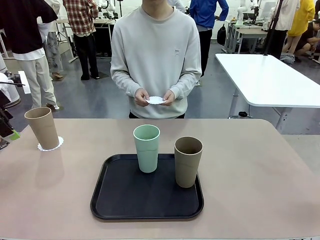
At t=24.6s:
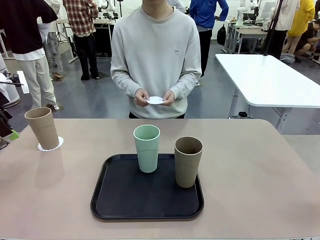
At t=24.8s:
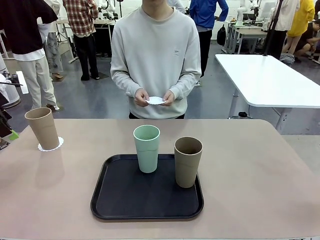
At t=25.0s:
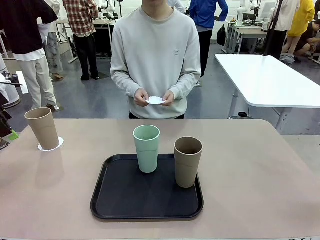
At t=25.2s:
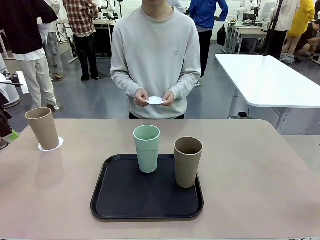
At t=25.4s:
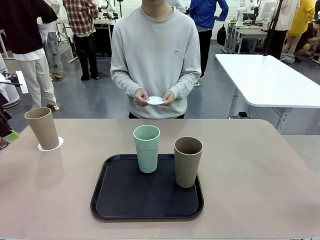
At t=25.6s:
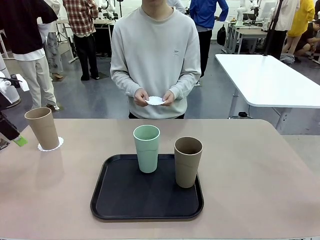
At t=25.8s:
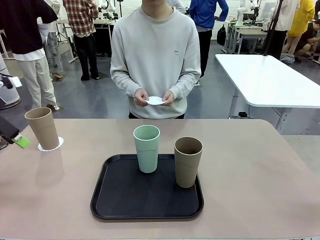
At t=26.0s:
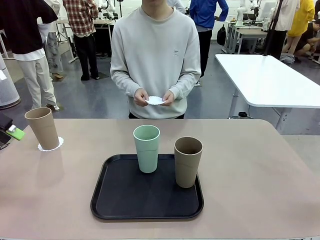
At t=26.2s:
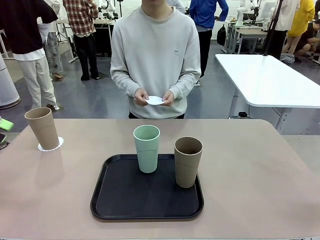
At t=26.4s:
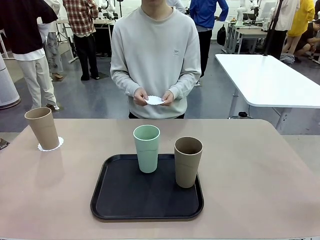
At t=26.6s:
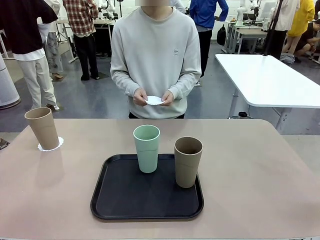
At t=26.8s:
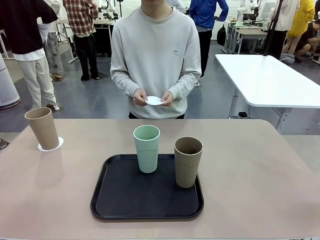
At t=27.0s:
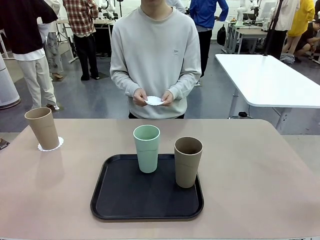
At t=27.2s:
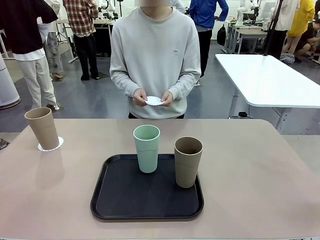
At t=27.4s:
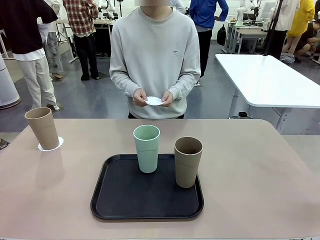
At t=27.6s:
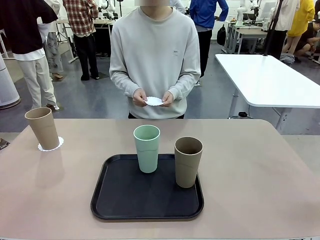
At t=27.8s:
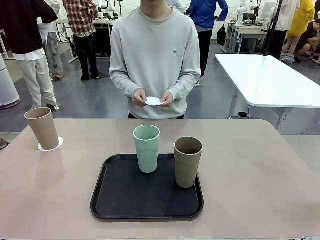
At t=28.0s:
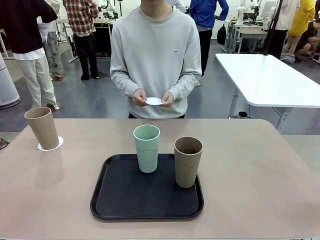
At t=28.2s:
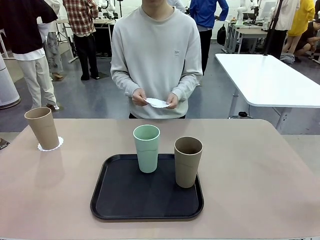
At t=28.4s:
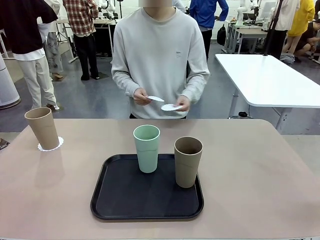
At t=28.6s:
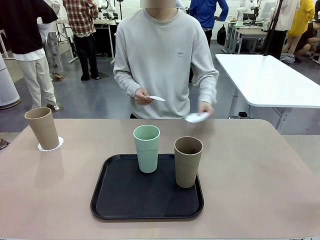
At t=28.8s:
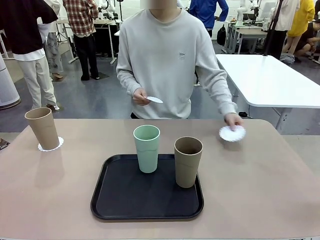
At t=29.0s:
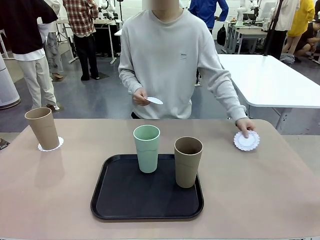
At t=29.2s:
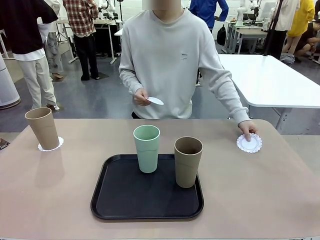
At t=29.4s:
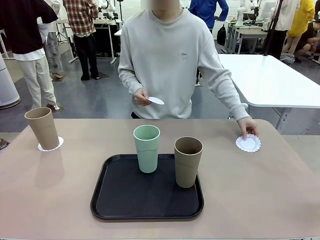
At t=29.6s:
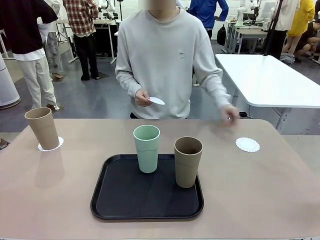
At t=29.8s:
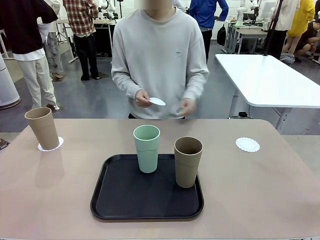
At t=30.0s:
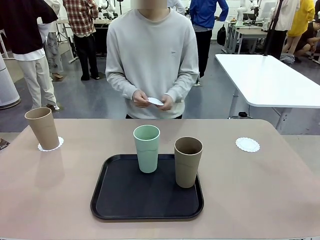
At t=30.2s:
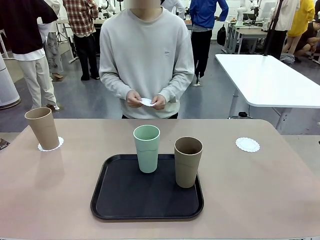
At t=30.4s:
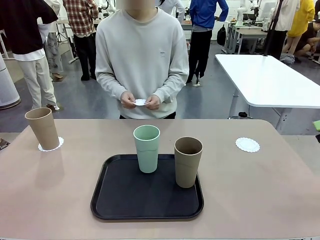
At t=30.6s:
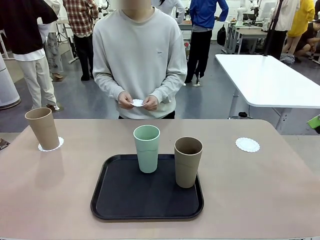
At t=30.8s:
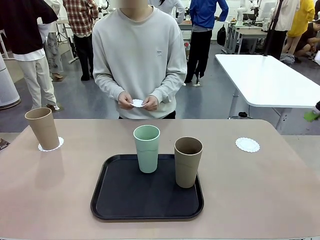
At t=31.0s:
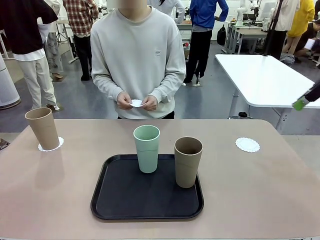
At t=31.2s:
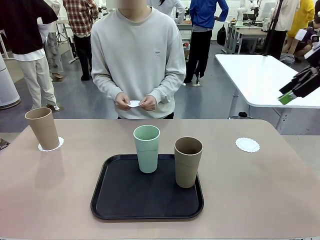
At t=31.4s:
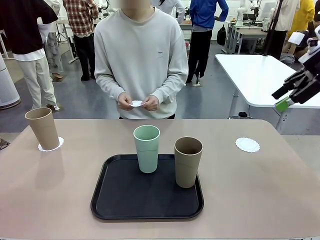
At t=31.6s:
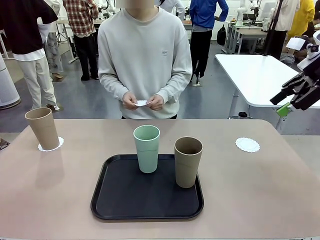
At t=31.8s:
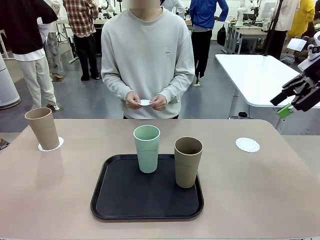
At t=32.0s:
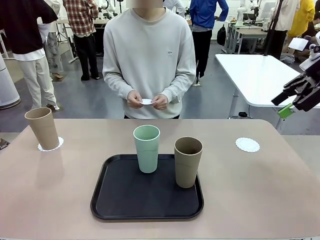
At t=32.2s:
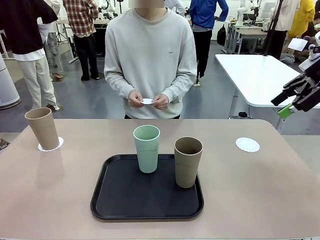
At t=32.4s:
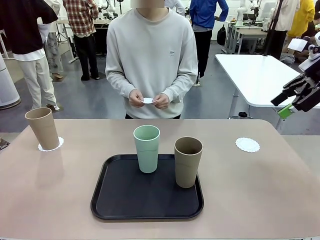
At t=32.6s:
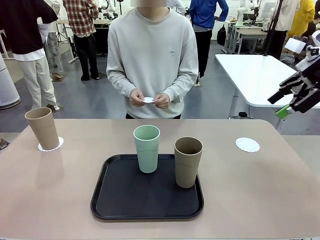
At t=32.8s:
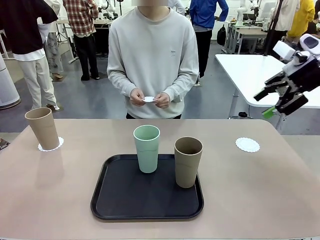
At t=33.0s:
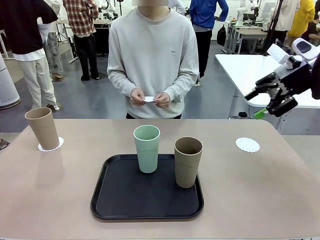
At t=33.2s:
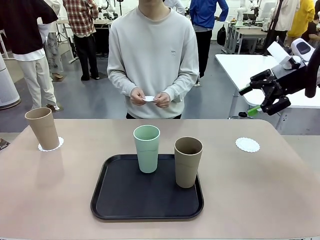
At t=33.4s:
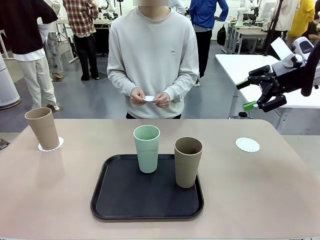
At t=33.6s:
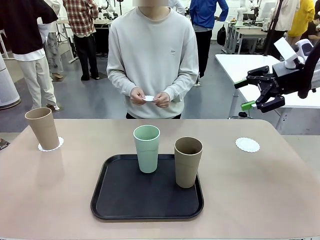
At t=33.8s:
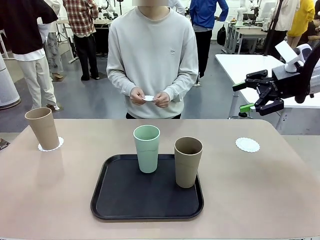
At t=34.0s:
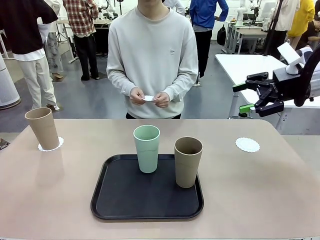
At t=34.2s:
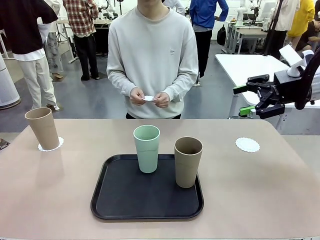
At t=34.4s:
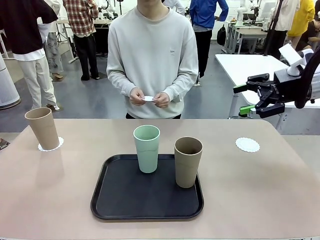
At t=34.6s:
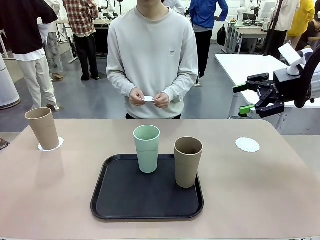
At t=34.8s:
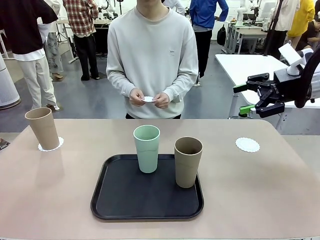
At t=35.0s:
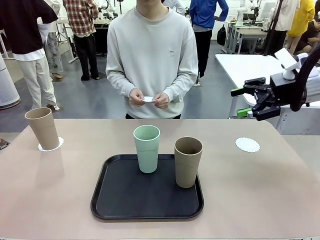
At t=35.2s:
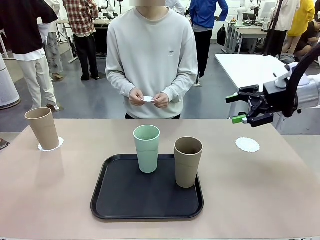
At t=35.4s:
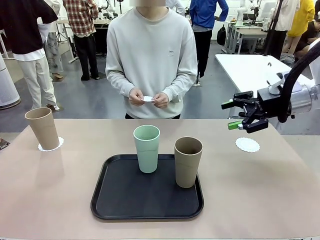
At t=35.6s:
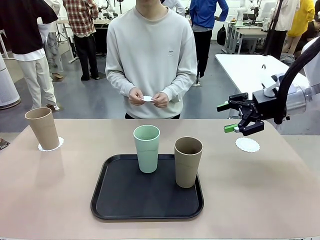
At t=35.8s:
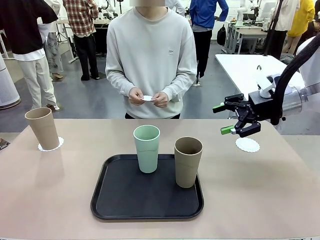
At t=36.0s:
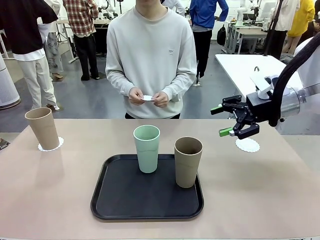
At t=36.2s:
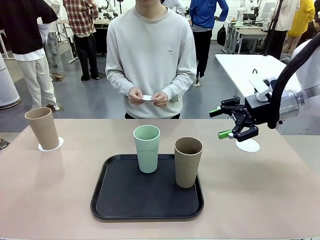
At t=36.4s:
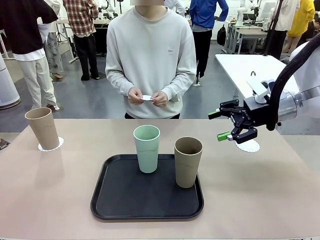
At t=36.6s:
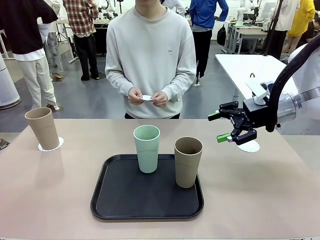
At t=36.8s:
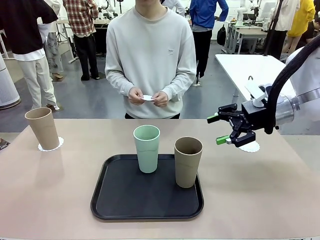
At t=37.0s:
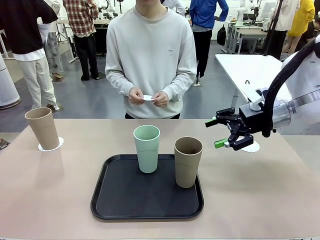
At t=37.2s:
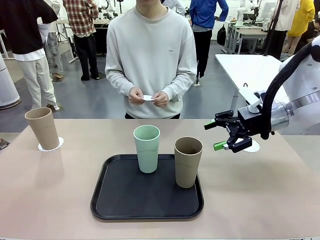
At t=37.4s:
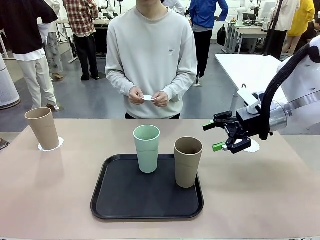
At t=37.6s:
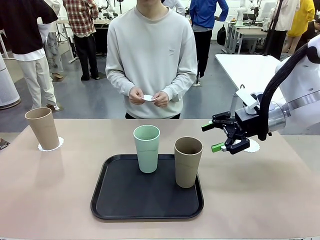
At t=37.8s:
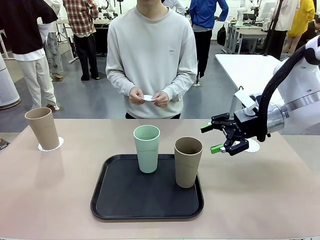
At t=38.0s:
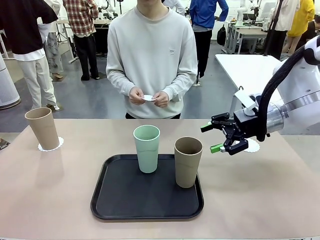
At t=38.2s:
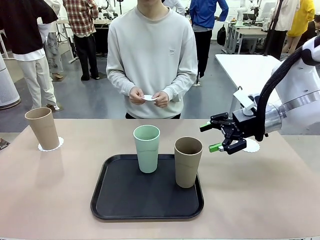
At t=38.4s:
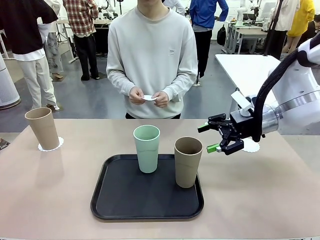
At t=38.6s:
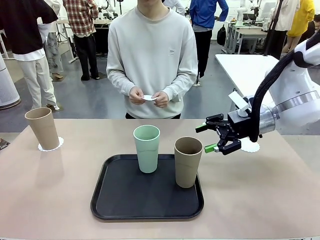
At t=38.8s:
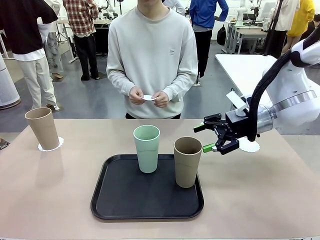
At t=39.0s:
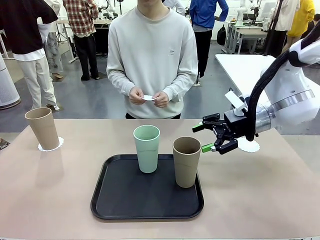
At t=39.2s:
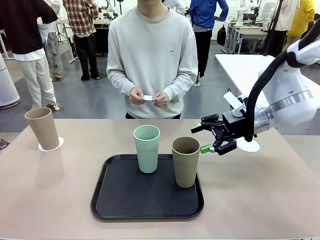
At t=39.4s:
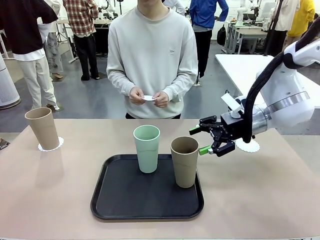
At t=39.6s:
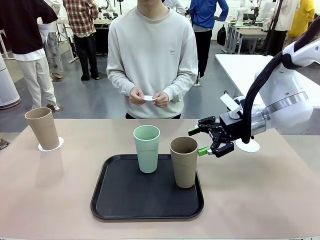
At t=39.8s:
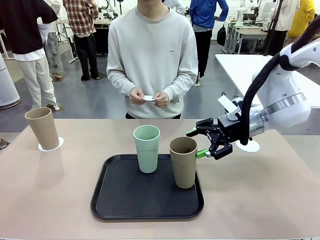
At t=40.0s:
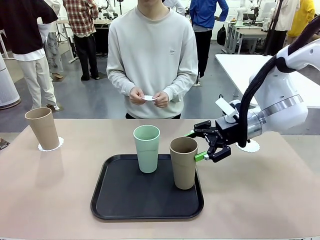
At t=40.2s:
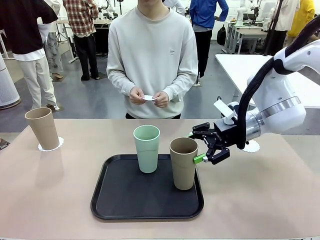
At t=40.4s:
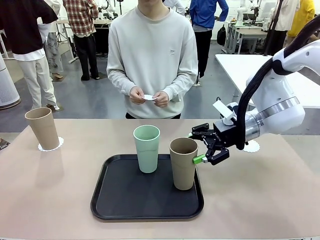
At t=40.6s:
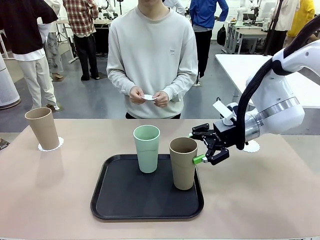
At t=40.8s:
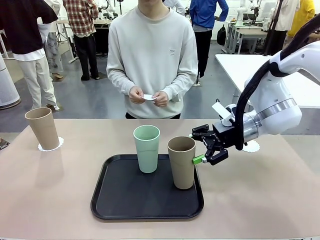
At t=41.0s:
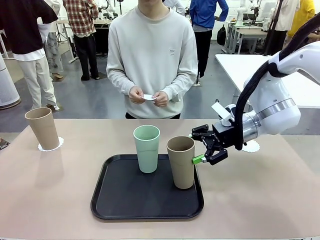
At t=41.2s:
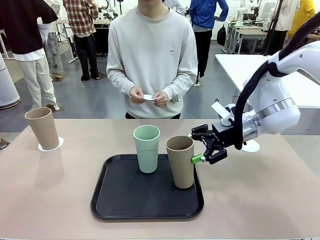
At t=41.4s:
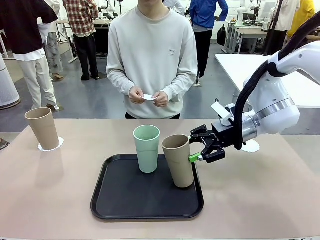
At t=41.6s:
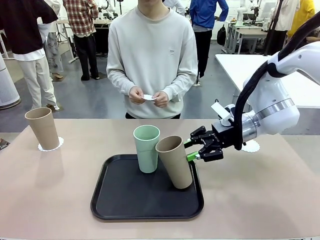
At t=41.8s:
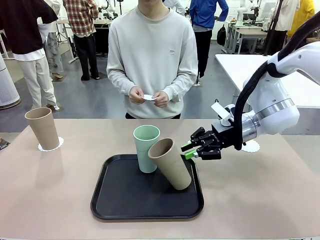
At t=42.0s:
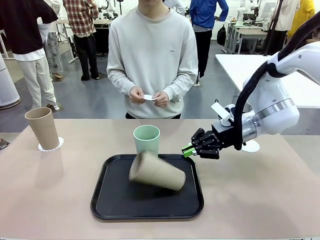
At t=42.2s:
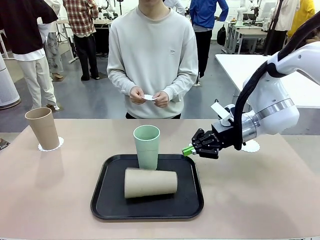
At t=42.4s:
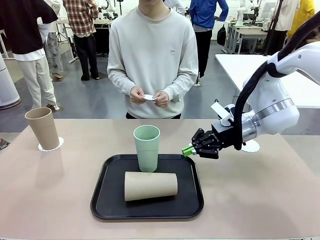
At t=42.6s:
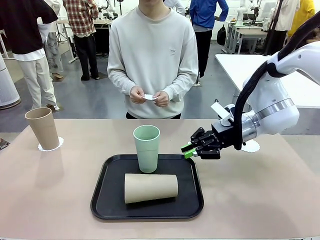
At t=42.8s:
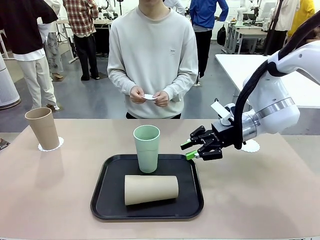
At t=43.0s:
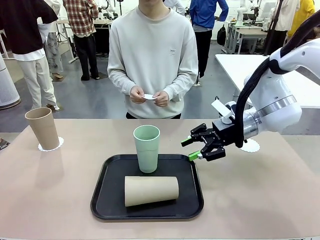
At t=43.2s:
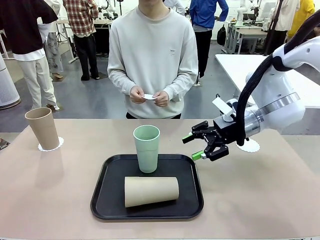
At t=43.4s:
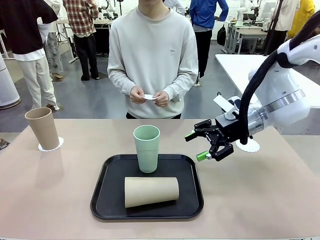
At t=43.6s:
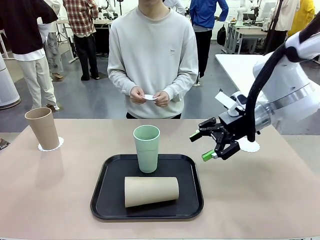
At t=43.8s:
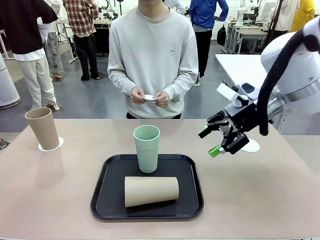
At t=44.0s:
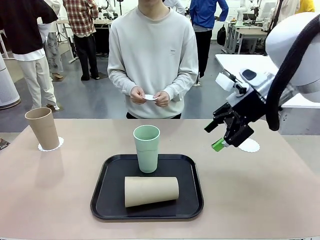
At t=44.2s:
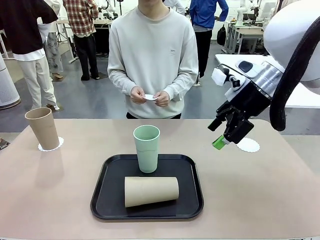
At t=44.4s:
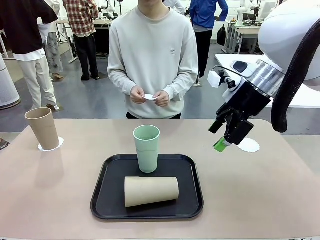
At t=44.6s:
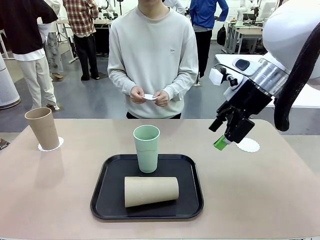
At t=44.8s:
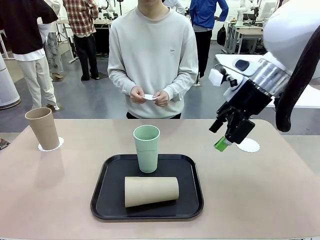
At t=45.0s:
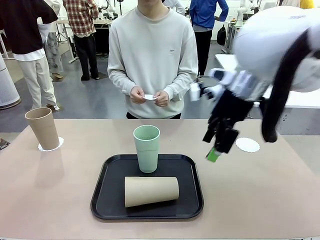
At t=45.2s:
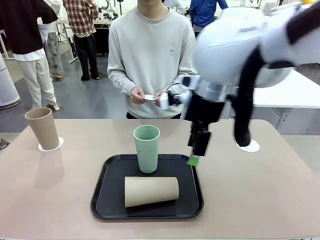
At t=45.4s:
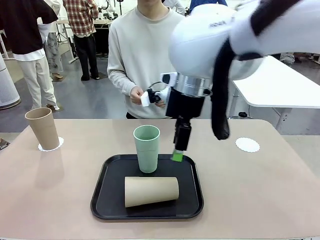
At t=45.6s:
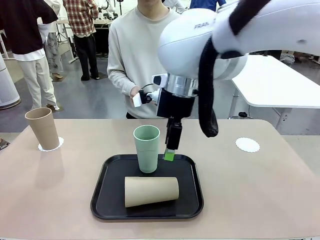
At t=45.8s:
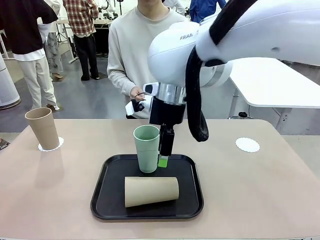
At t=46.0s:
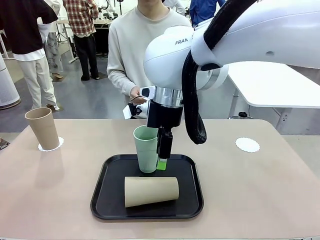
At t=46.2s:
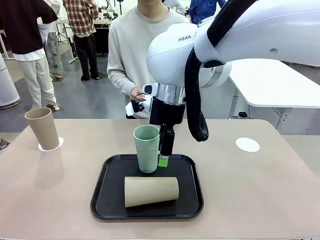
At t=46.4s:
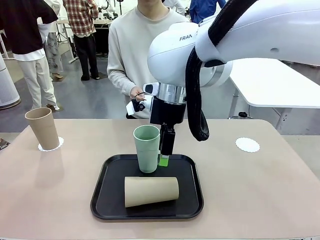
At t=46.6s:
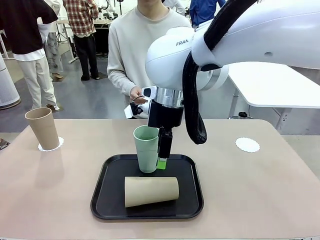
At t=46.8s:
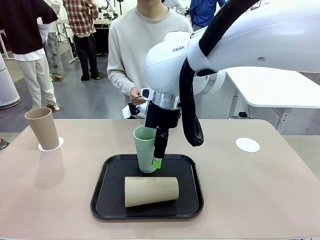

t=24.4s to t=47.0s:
Task: Place coasters on the table and set cups on them.
Robot: Take one Reusable plastic cup from the Flat Tray and place it on a coaster set by the human.
